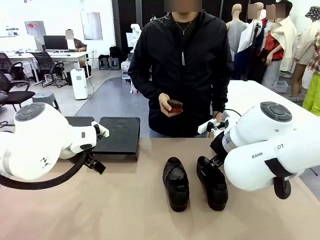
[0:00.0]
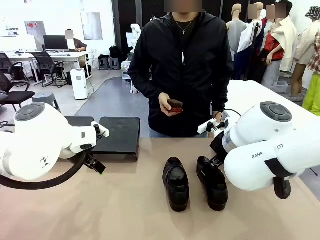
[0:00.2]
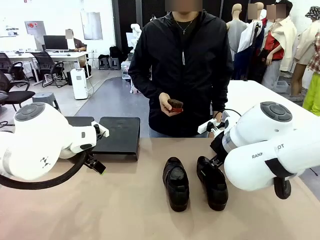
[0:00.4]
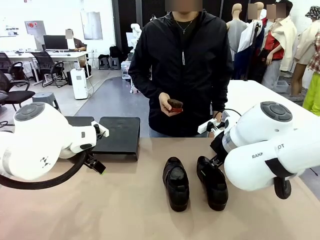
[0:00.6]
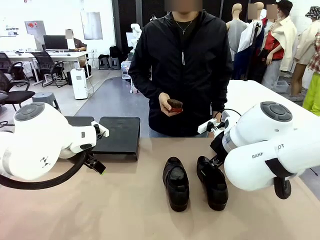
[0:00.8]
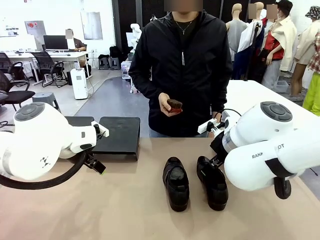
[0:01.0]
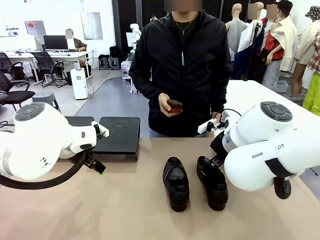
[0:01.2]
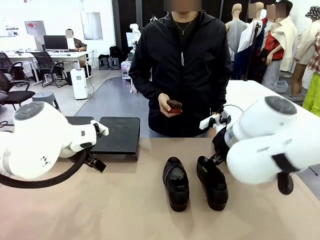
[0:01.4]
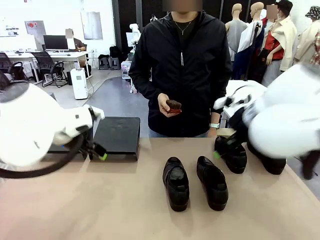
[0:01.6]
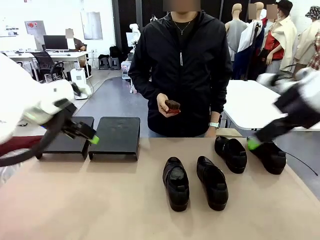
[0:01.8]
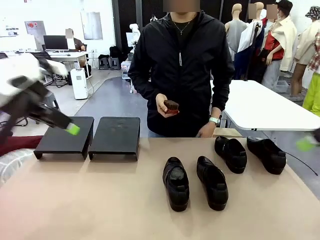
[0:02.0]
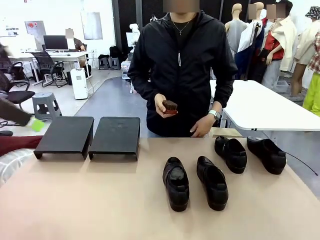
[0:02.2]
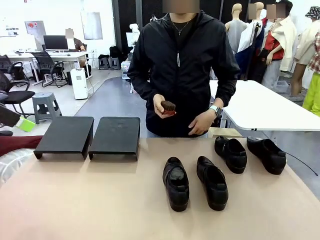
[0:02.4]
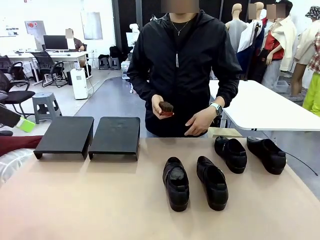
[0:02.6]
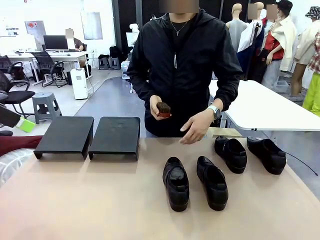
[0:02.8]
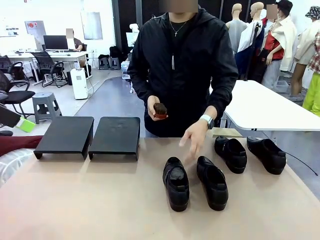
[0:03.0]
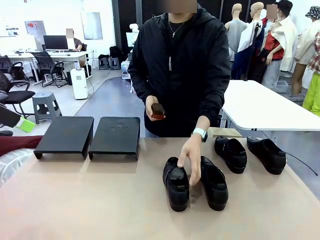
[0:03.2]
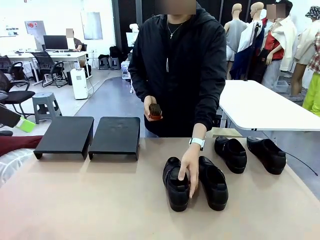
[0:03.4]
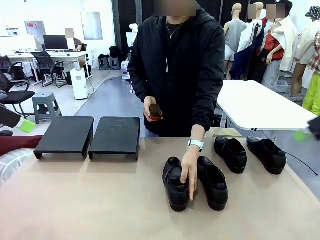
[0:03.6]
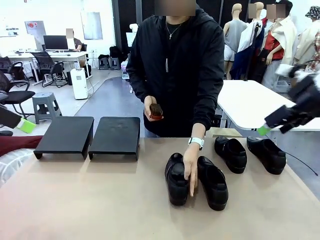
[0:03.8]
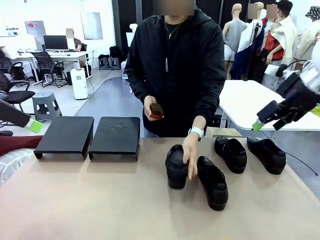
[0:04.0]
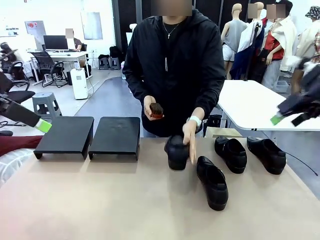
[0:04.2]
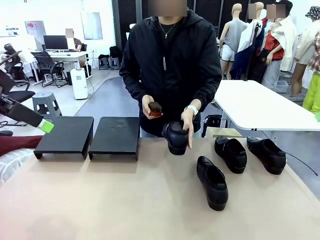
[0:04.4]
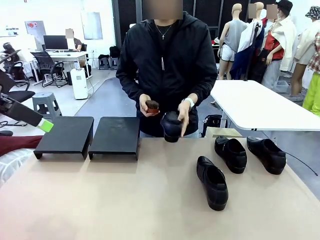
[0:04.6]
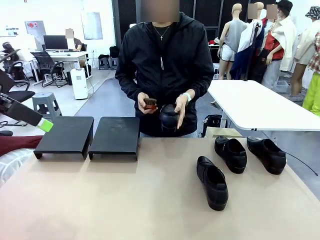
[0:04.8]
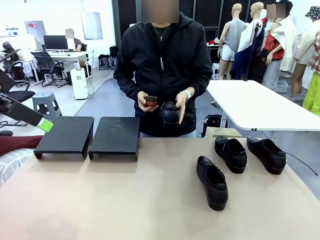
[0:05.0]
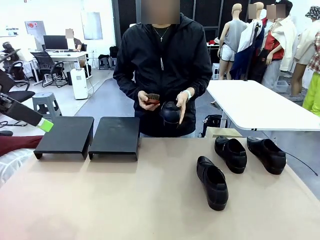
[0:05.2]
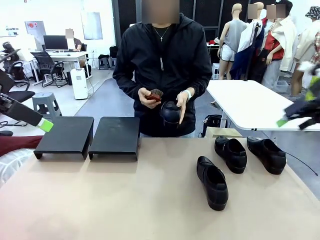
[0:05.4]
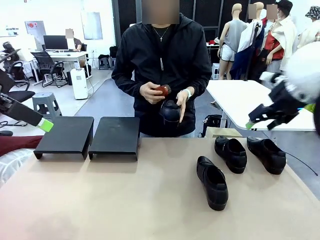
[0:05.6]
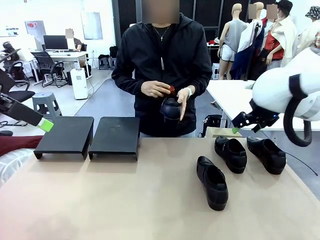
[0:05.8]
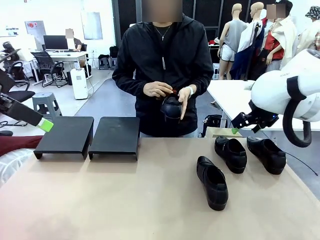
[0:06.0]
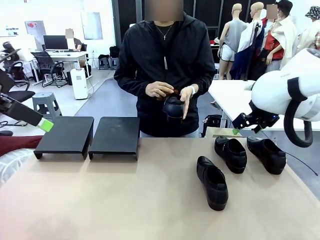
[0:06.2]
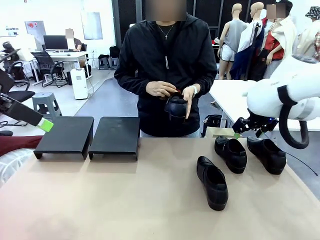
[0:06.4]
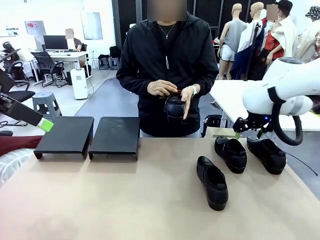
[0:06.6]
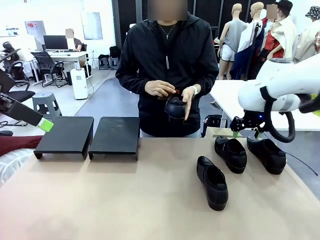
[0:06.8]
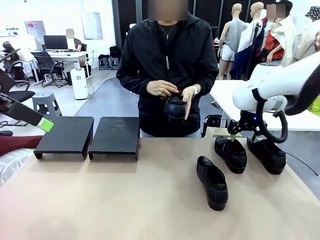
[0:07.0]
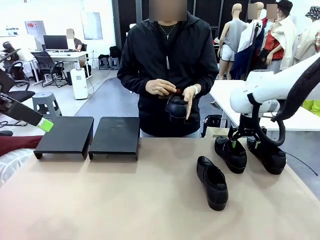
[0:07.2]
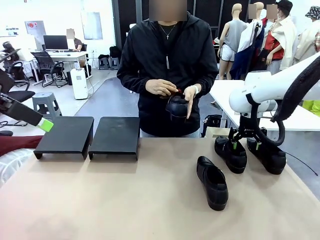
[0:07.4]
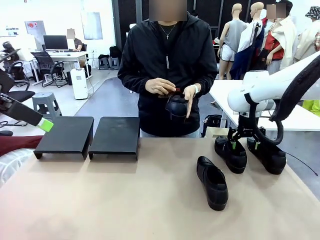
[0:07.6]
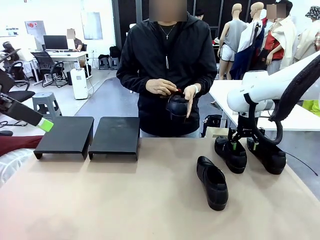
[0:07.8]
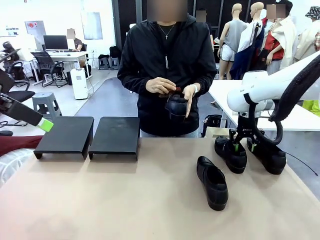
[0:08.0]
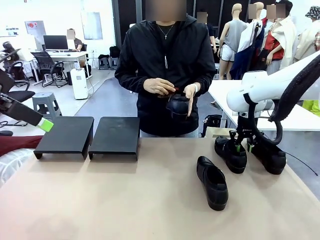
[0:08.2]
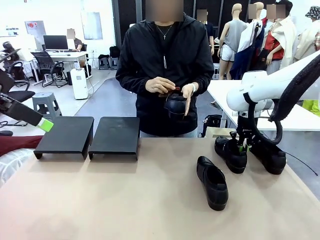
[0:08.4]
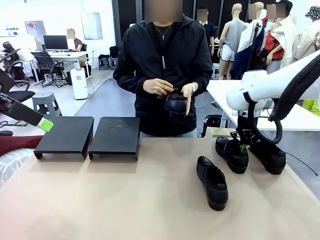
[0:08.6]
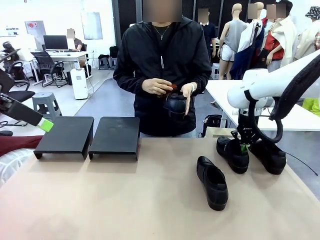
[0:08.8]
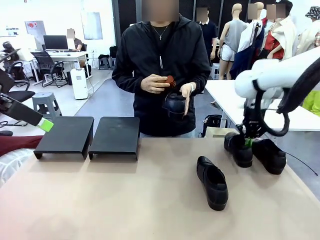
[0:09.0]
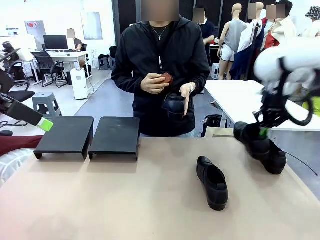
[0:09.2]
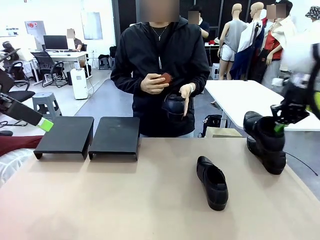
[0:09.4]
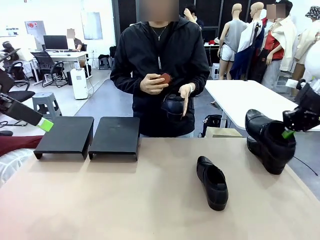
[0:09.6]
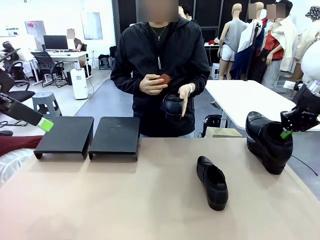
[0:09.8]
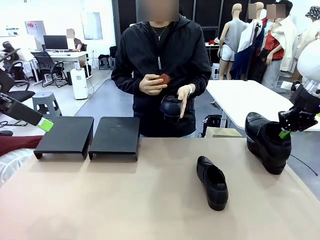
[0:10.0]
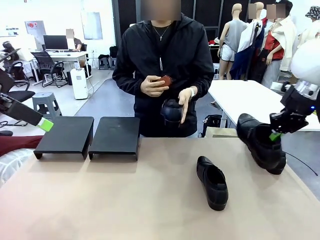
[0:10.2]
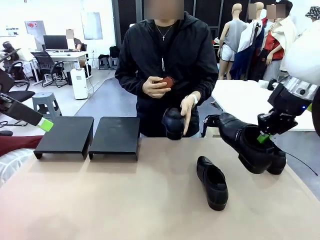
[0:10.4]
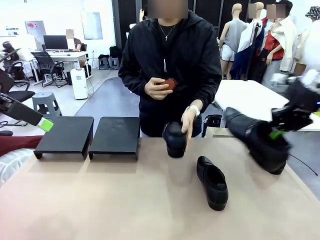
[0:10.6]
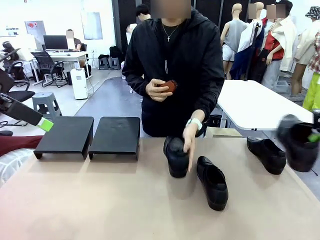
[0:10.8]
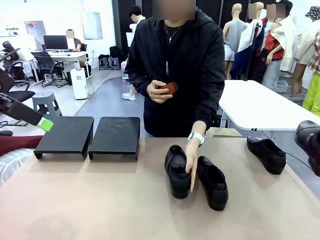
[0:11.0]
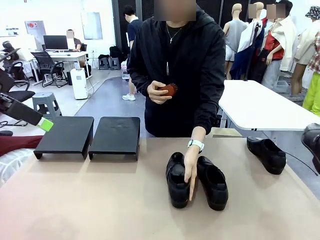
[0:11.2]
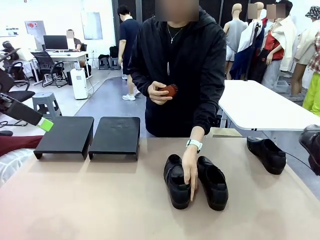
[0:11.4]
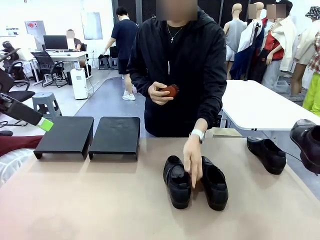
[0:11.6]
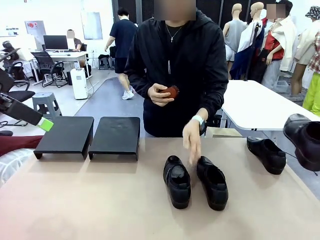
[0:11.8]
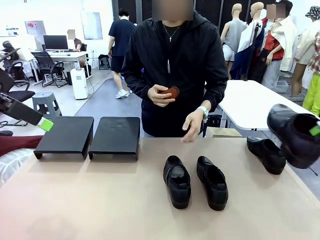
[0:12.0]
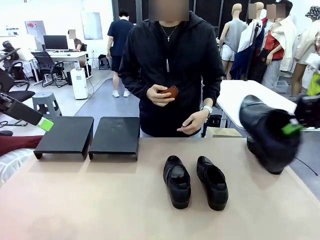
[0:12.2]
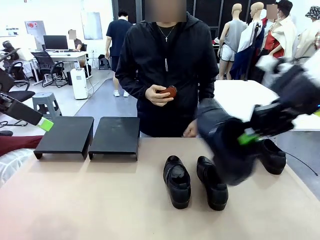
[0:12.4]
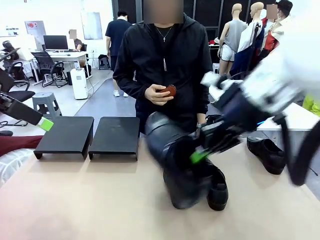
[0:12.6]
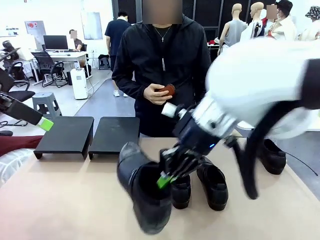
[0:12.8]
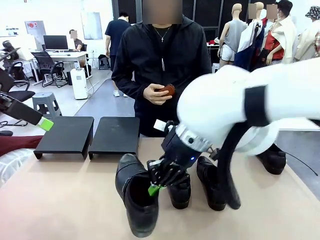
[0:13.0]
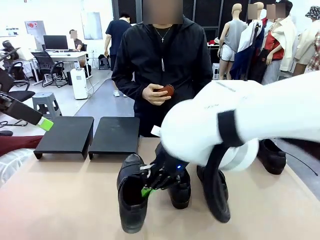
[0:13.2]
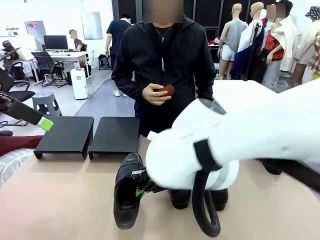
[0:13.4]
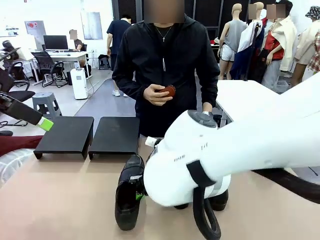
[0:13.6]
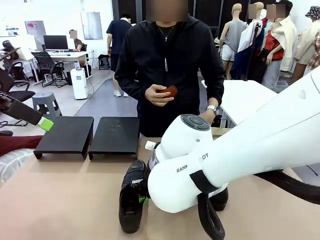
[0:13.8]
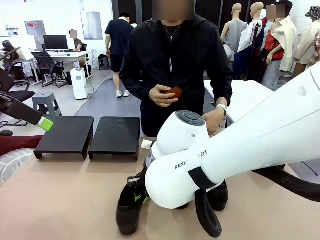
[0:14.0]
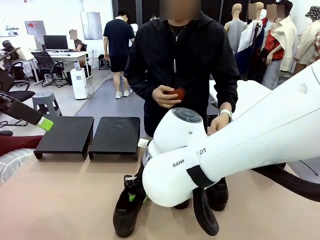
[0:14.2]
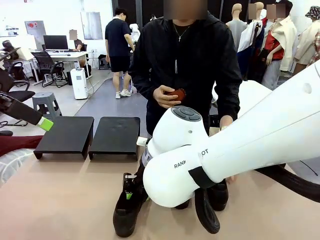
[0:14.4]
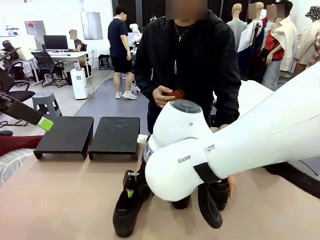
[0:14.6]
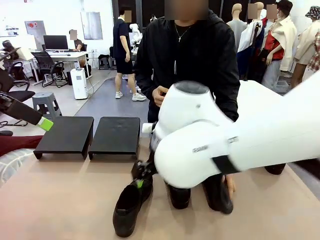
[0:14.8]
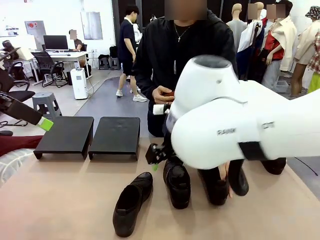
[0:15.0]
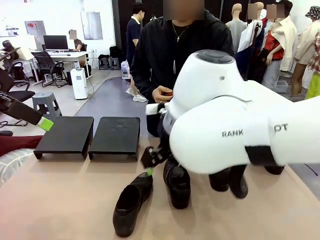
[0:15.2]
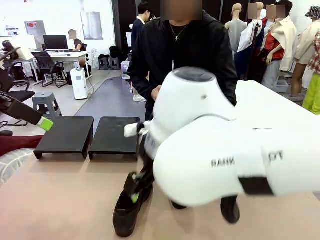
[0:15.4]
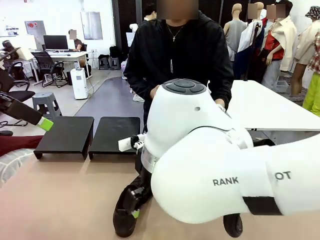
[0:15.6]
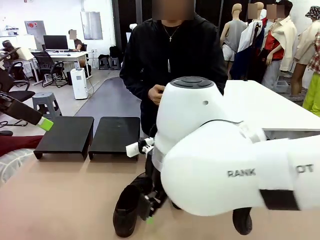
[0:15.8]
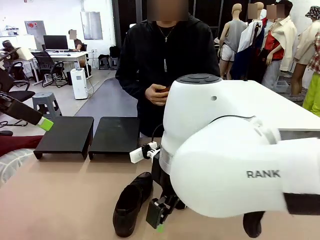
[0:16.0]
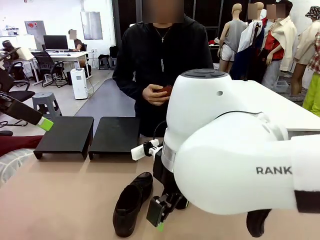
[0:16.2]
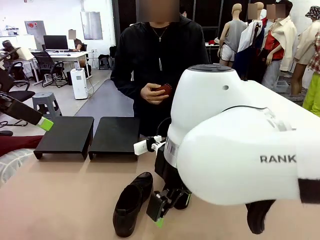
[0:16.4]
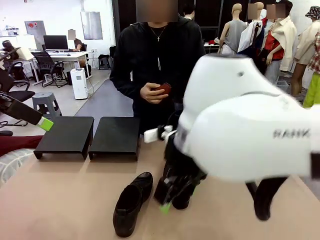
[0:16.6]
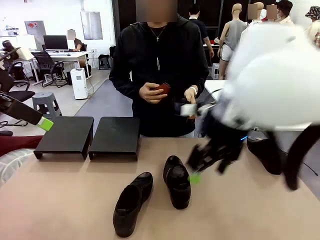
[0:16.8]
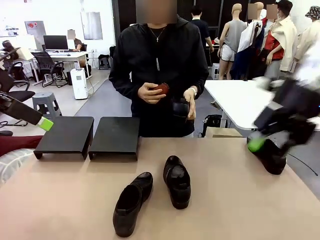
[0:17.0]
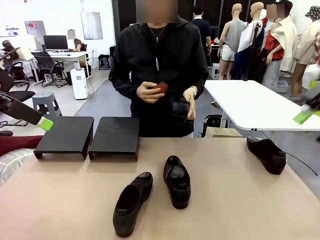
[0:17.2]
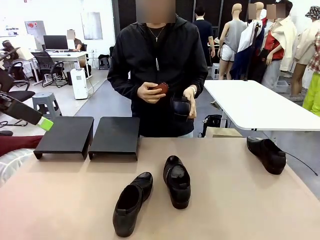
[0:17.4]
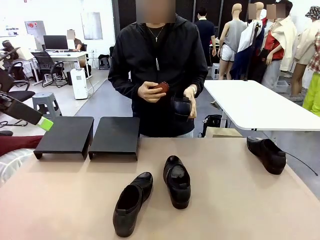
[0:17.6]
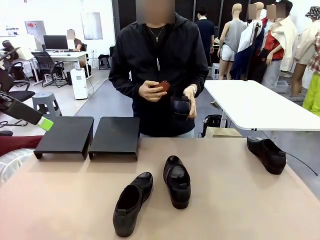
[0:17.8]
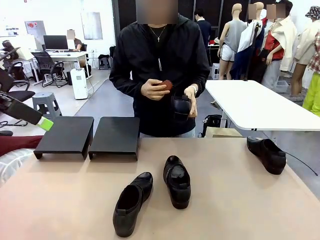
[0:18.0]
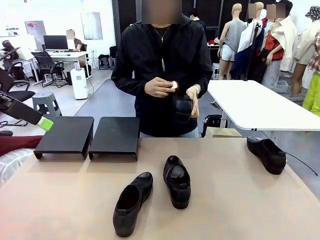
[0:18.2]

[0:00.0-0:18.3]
Task: Organize the shoes by placing them on the stand.
Robot: Pick up one Shoe and place it in the middle of the table.
Person: Pick one Shoe on Robot's table. Clean the Shoe with the Shoe Brush. Place the Shoe on left side of the Robot's table. Pick one Shoe on Robot's table.
